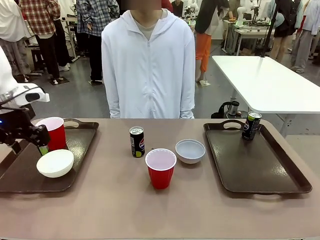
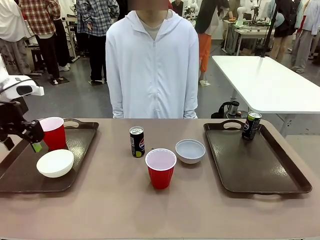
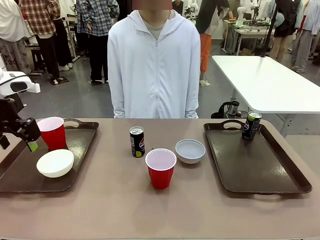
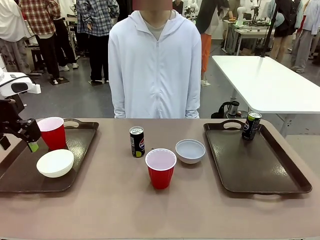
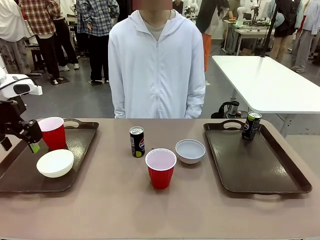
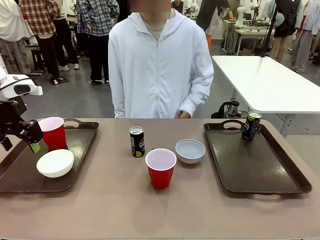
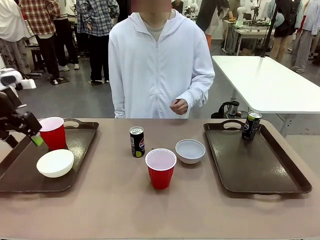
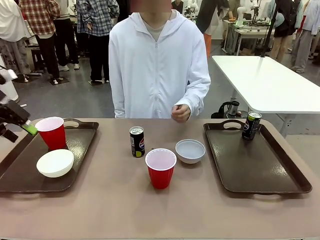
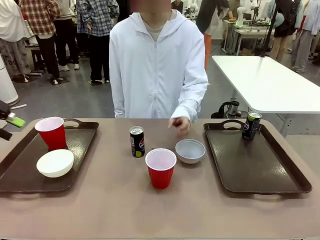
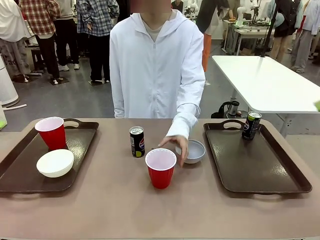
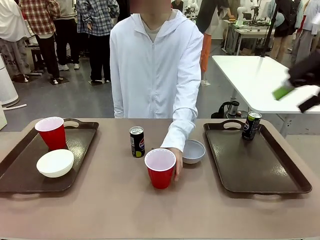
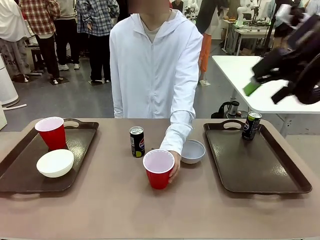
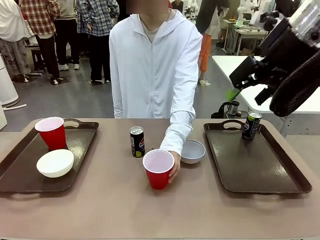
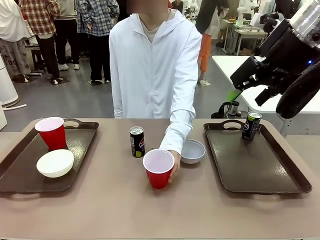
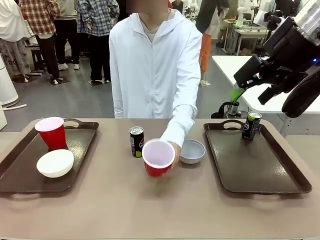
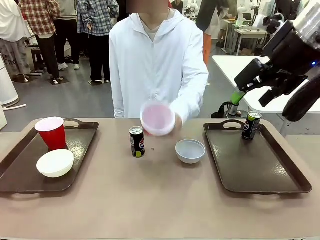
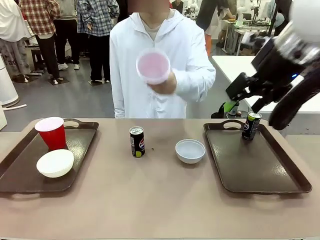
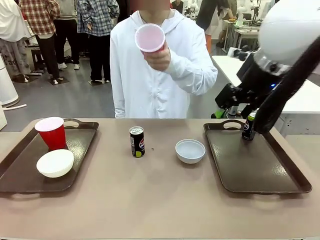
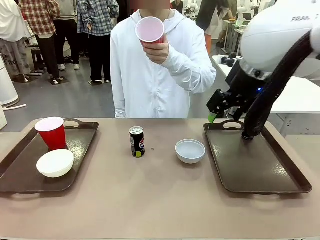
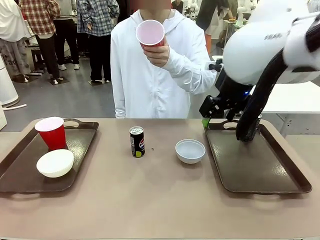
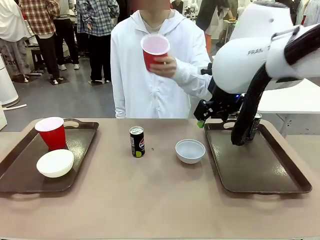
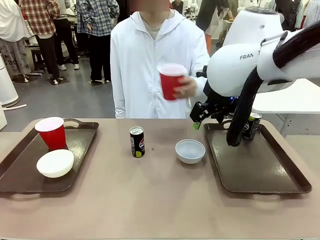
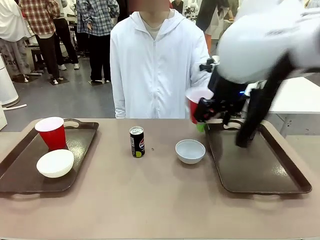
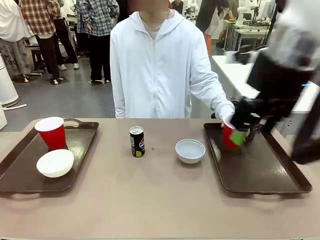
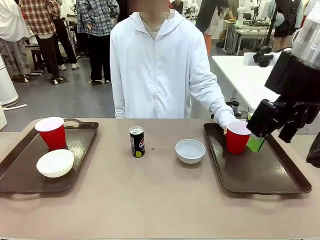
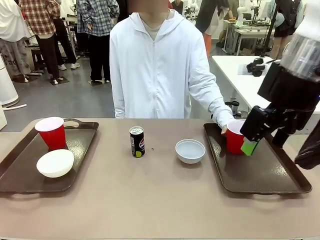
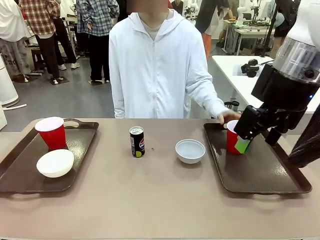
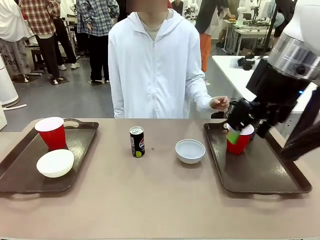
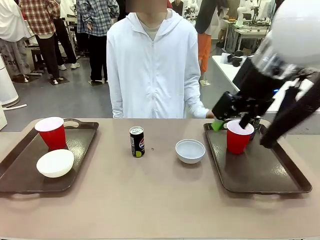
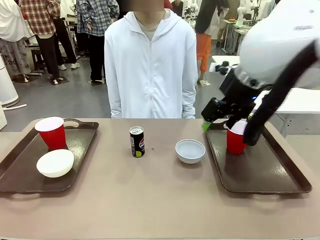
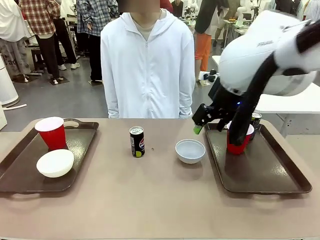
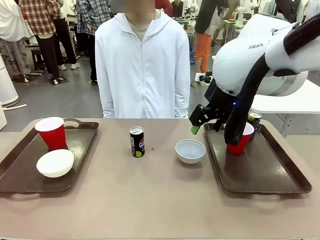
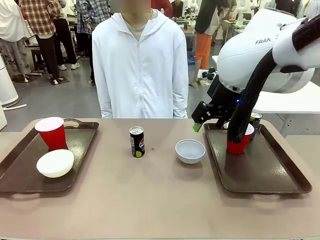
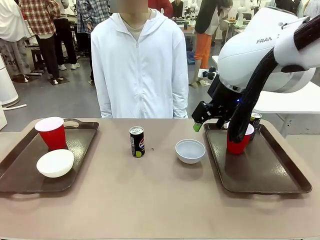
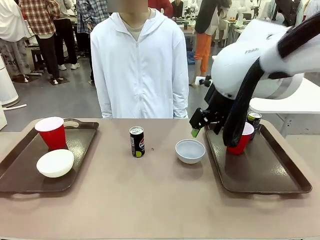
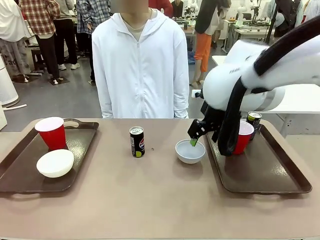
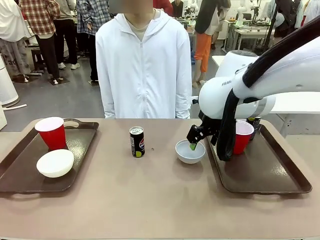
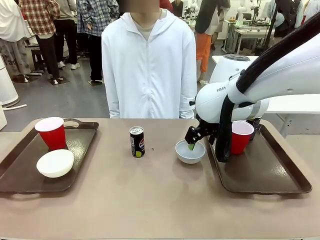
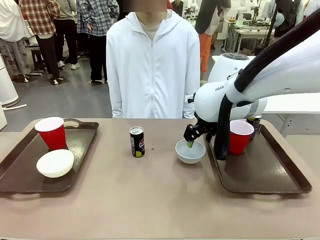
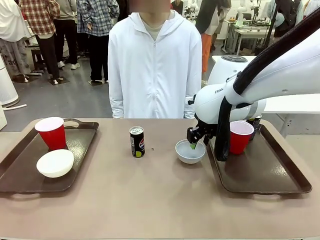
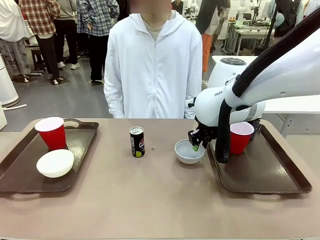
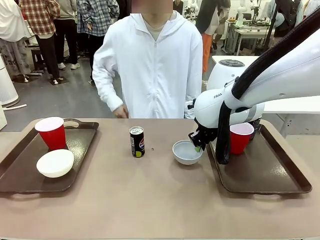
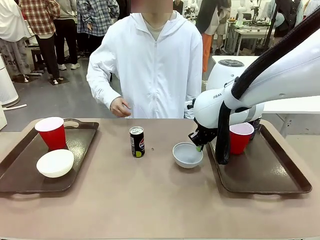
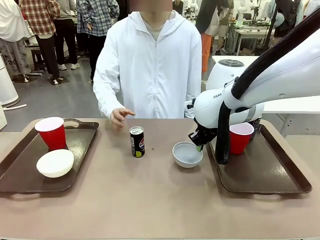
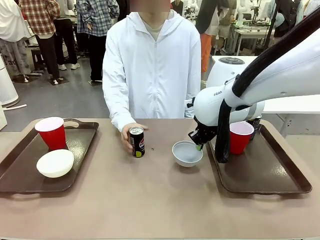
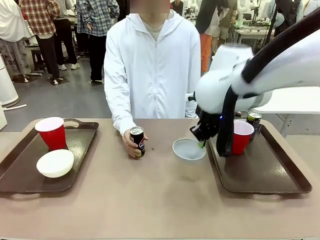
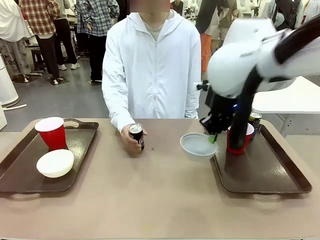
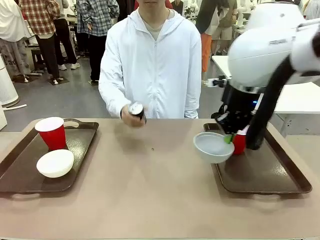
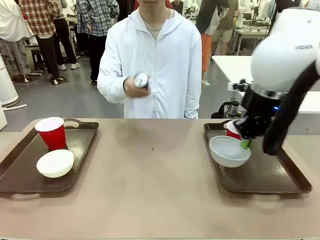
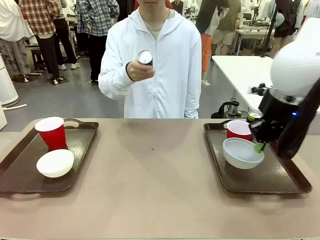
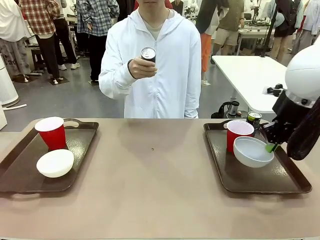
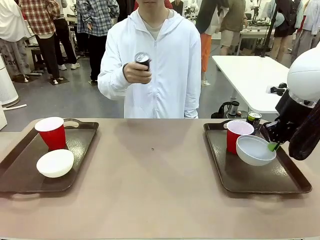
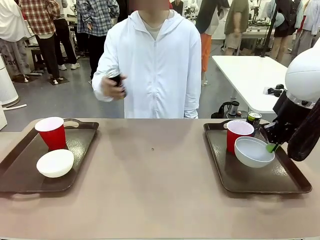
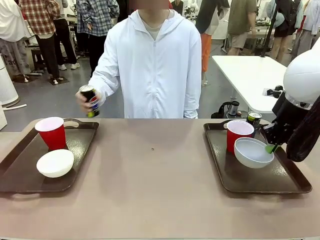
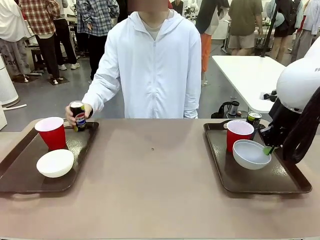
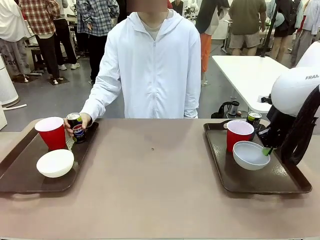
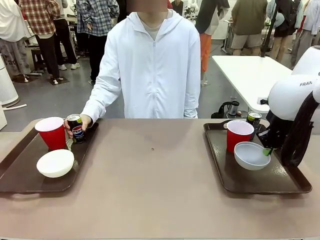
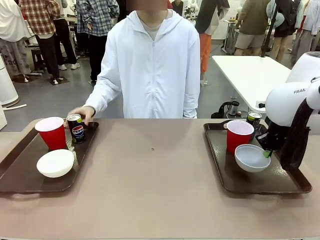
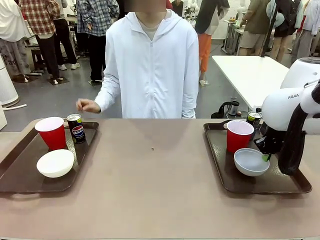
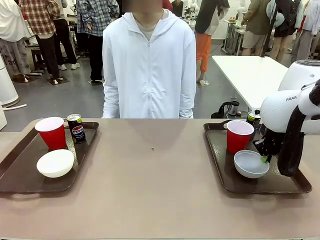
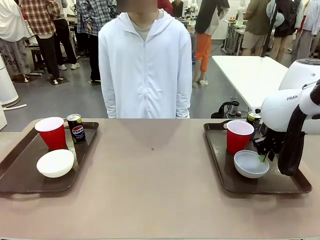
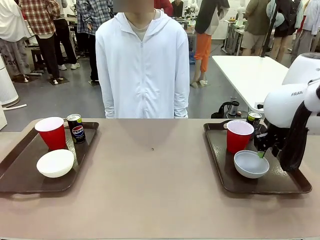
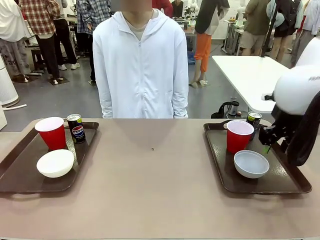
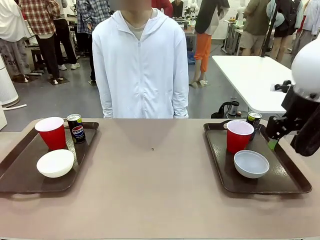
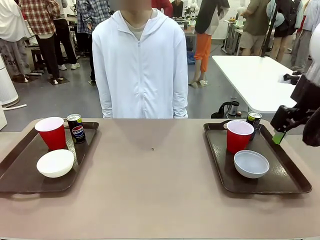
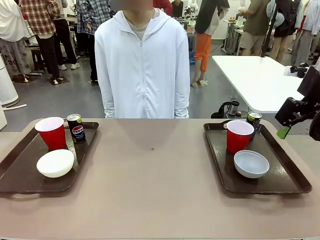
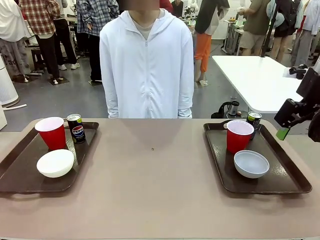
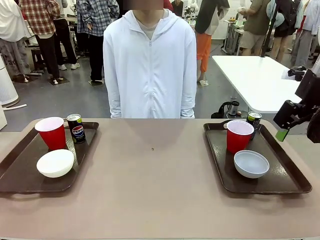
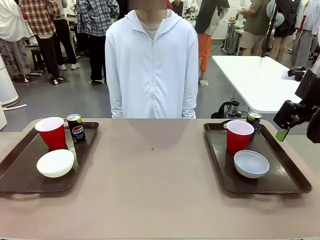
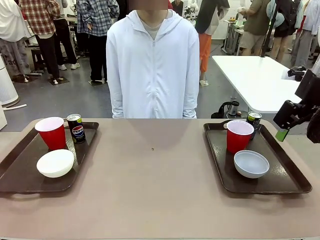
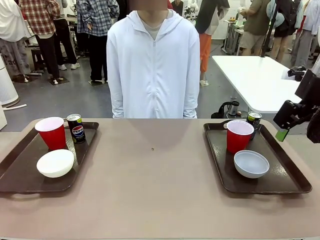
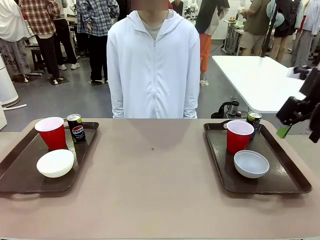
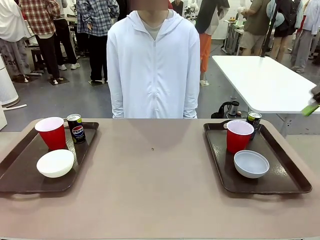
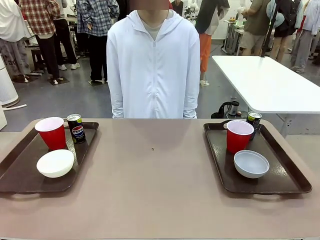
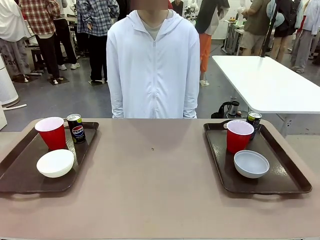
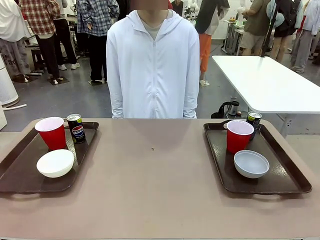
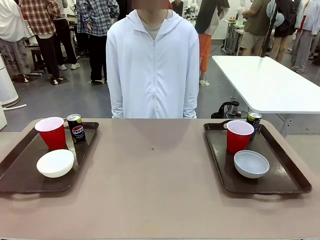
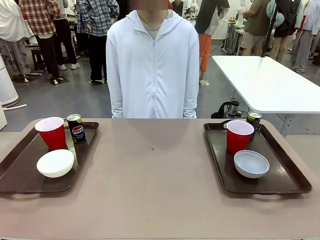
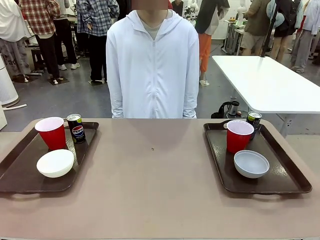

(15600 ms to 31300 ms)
Task: Prepare tableware on both trays.
Robot: Pick up a Picnic Bowl from the table and place it on a Handle tray.
Person: Pick up a can or cup and place it on the tray without a can or cup.
